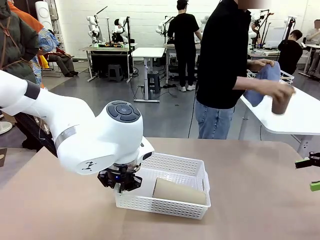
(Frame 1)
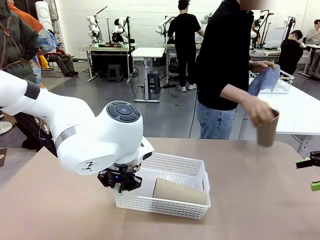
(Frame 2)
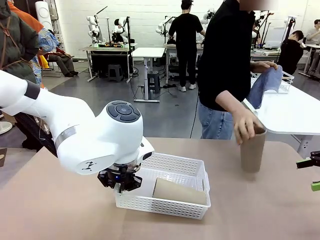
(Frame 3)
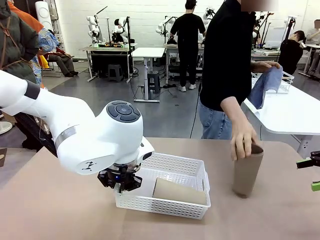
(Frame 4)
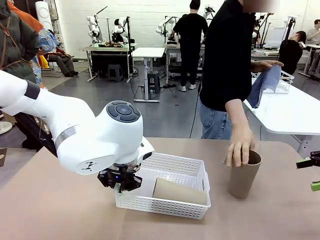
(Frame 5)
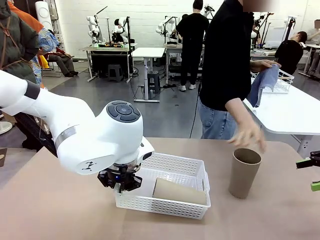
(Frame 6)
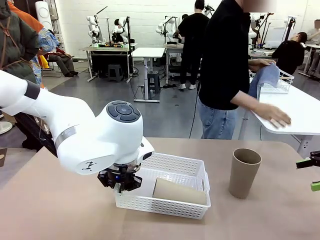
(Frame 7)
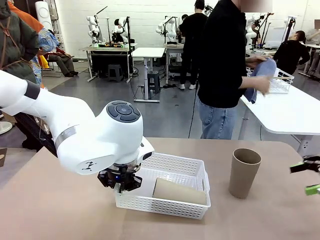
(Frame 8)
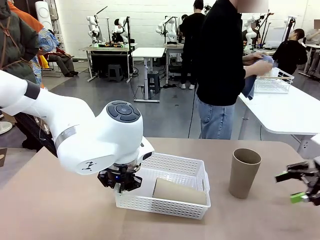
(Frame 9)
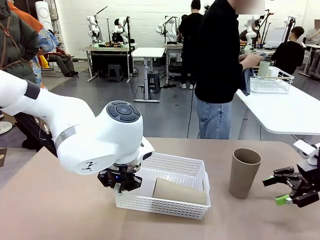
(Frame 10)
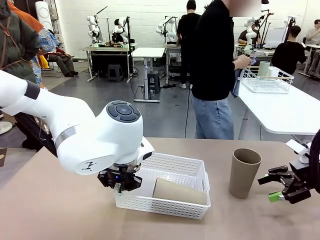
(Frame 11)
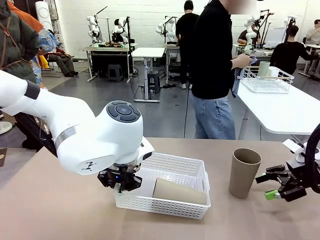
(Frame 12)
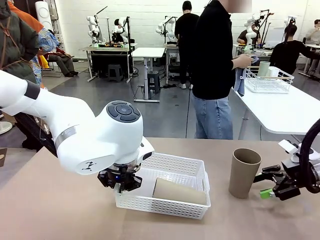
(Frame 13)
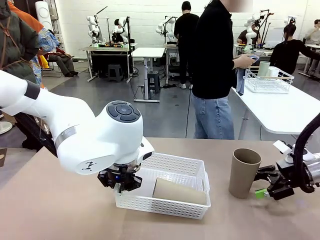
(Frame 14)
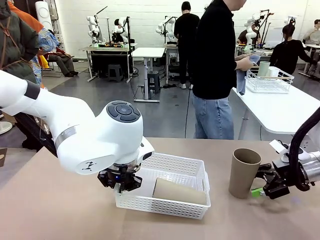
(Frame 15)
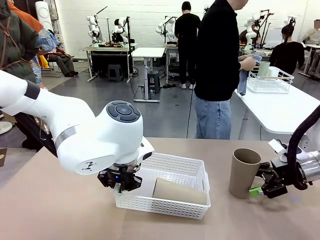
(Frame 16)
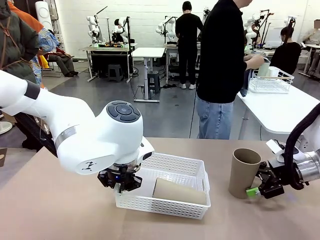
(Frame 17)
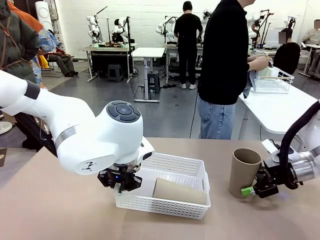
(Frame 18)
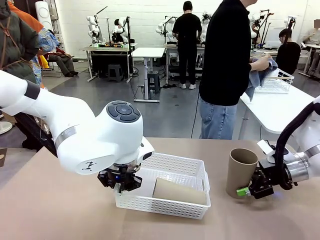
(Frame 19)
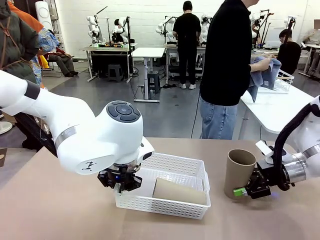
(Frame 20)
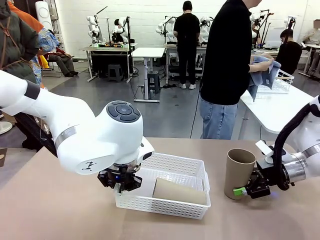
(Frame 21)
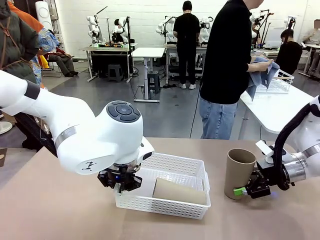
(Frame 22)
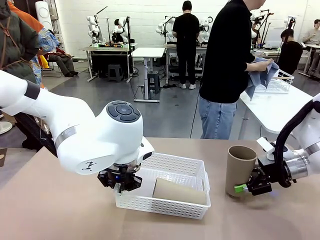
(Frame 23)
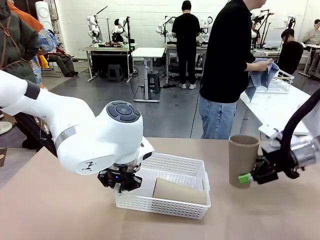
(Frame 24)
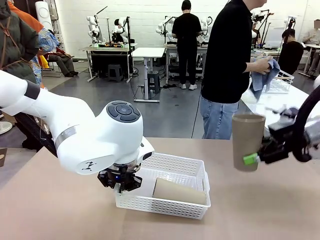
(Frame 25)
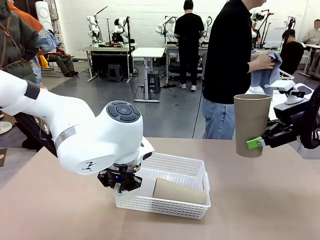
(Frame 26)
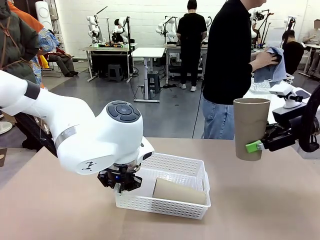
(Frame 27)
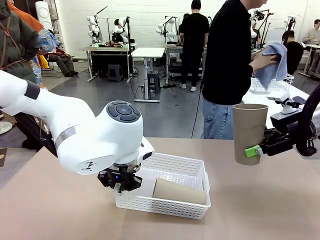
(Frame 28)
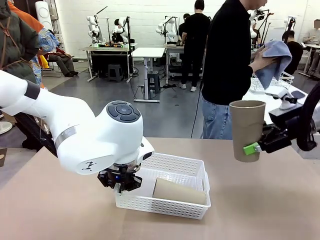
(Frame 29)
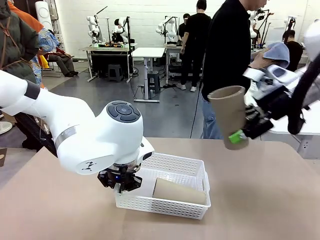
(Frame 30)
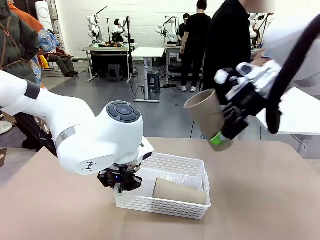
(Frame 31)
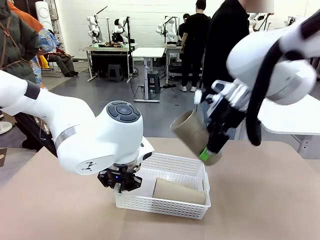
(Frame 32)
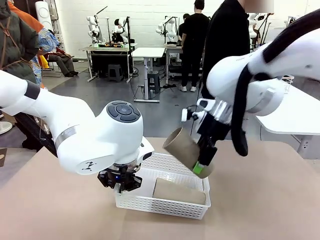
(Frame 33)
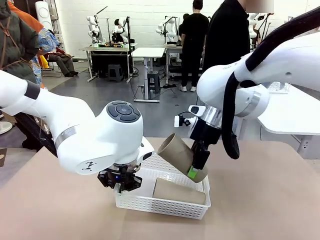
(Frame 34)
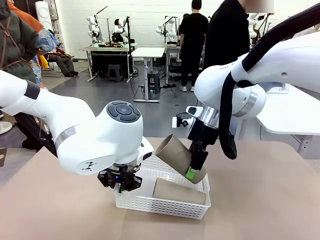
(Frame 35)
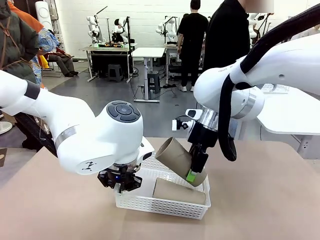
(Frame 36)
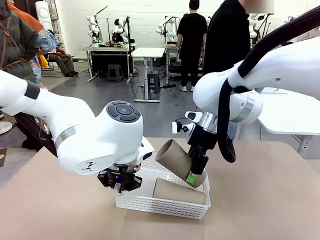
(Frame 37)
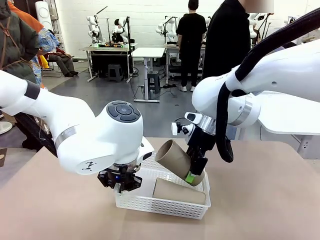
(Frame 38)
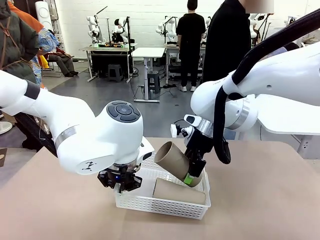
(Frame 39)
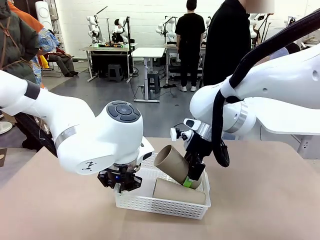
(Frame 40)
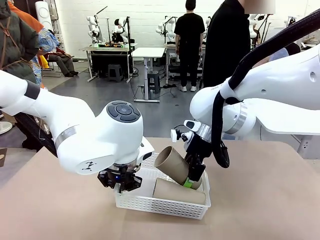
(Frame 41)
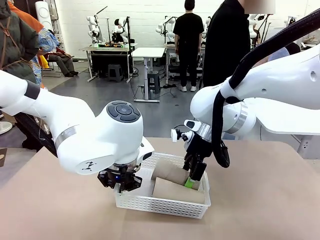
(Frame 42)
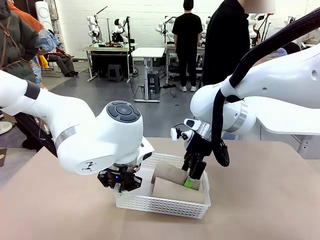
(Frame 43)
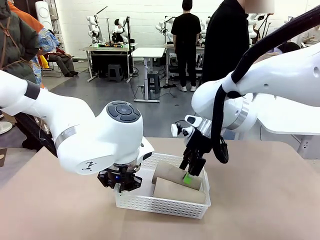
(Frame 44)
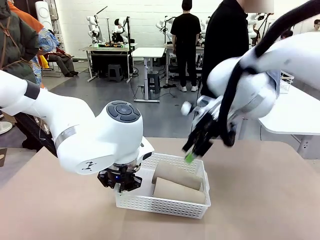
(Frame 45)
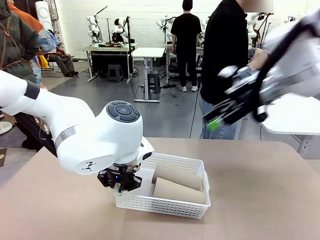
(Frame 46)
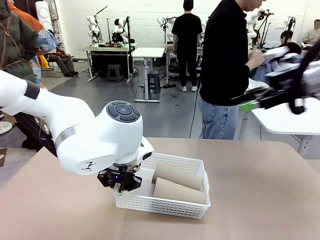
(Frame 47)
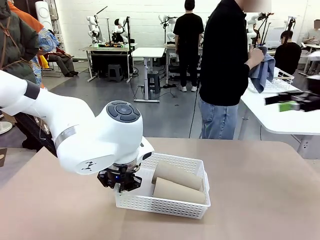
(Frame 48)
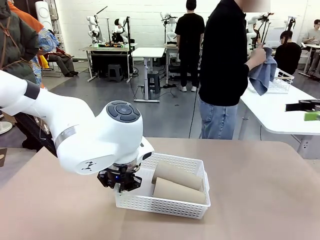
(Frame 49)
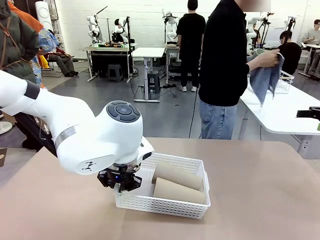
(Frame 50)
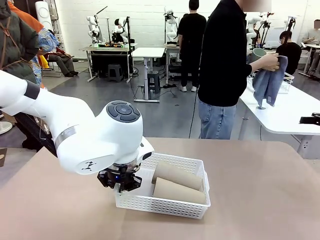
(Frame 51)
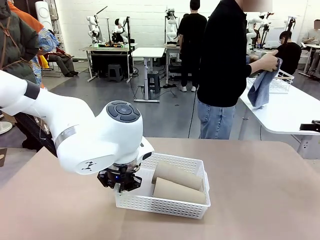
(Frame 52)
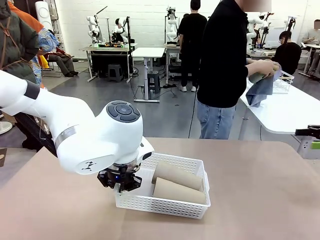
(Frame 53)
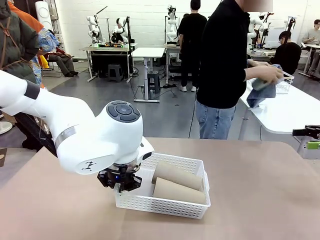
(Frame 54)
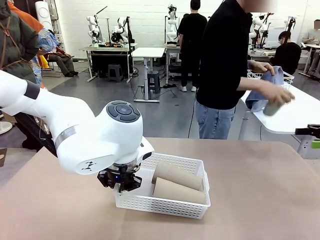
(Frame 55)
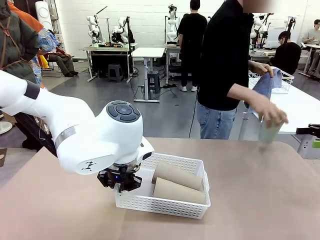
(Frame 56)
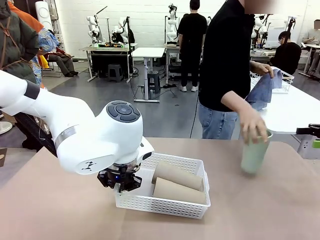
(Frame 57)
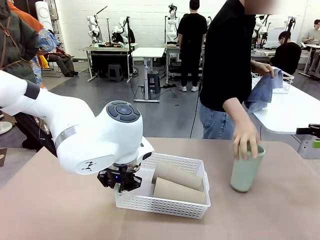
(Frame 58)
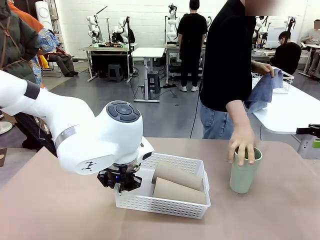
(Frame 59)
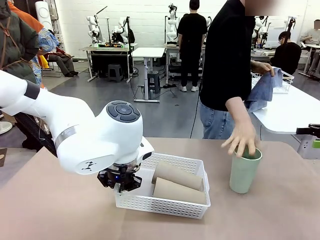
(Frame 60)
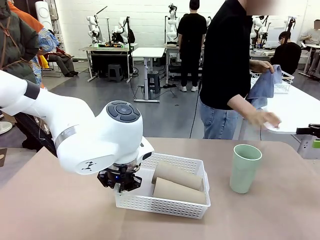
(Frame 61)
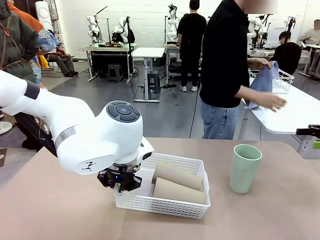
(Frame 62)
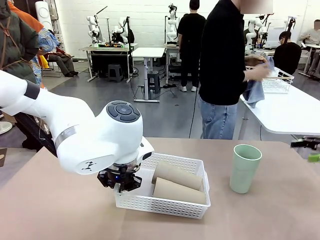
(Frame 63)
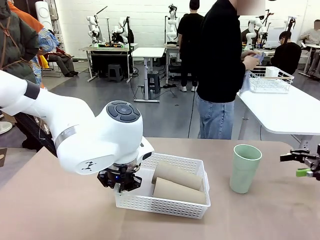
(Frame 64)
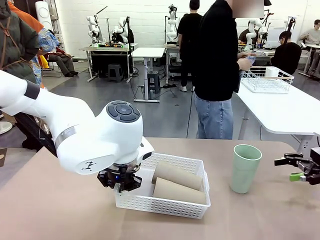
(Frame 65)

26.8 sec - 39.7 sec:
Task: Clean and organize the cups into the basket.
Robot: Pick up the Reusable plastic cup from the right side of the table and stack it inside the Organizing basket in the center of the table.

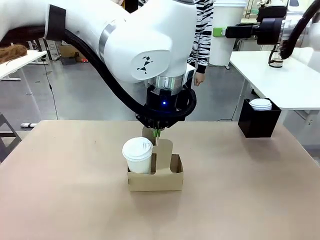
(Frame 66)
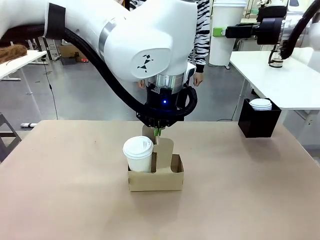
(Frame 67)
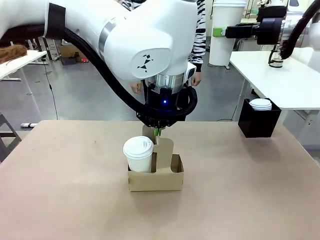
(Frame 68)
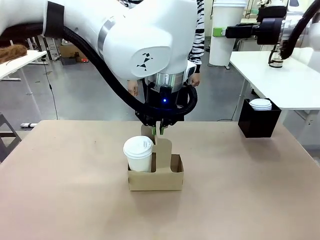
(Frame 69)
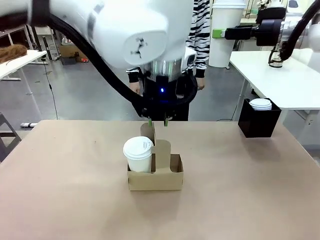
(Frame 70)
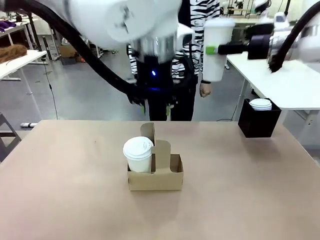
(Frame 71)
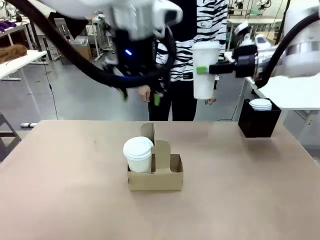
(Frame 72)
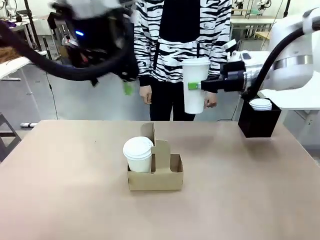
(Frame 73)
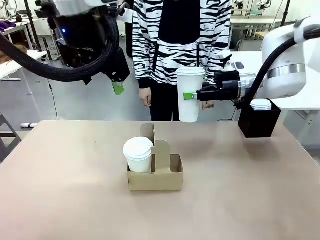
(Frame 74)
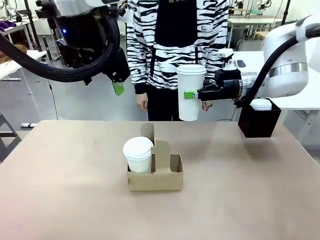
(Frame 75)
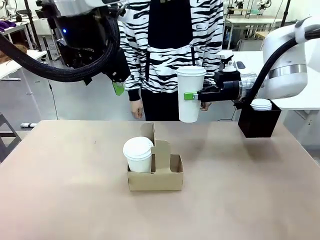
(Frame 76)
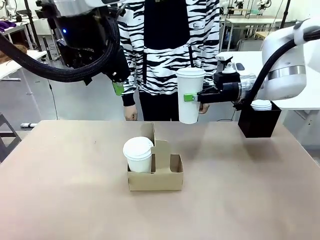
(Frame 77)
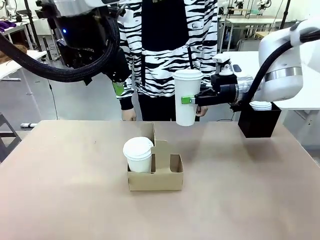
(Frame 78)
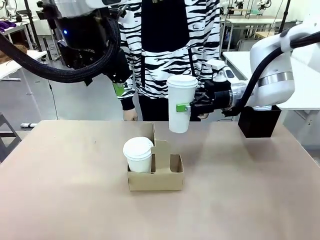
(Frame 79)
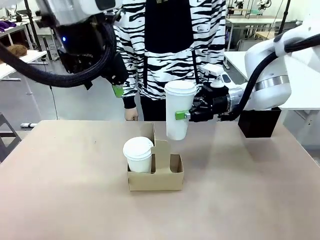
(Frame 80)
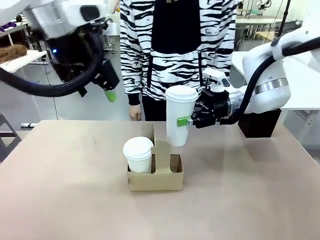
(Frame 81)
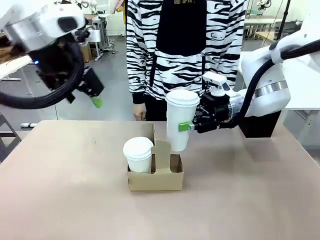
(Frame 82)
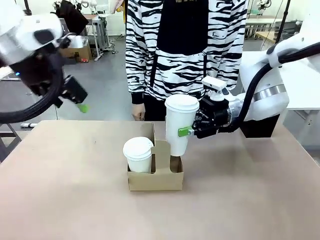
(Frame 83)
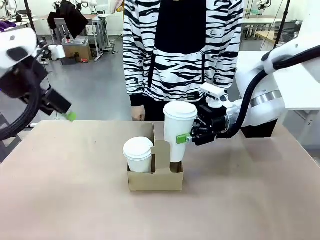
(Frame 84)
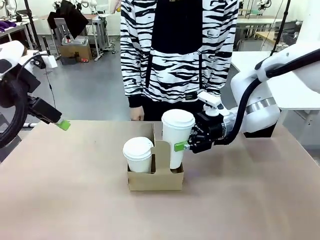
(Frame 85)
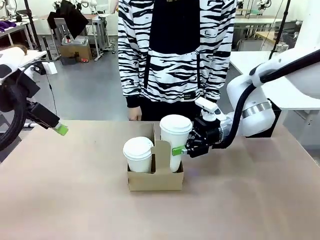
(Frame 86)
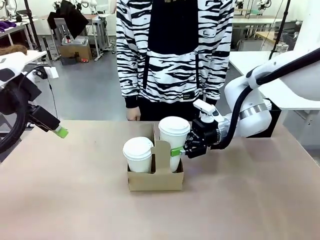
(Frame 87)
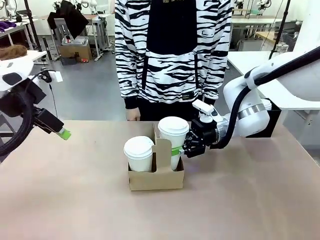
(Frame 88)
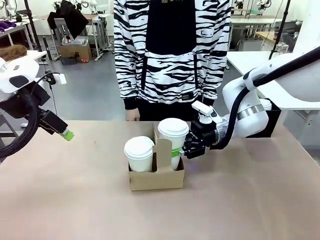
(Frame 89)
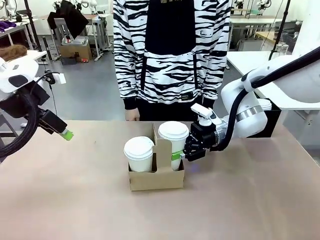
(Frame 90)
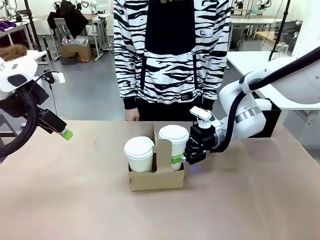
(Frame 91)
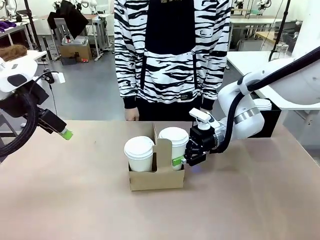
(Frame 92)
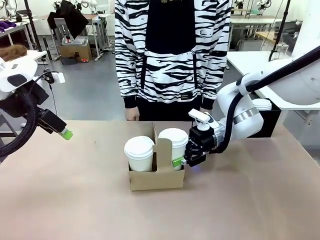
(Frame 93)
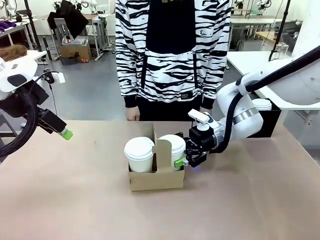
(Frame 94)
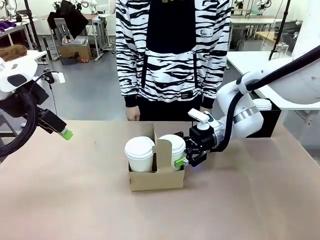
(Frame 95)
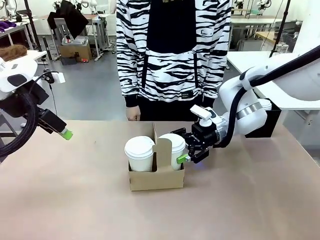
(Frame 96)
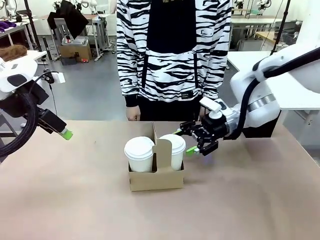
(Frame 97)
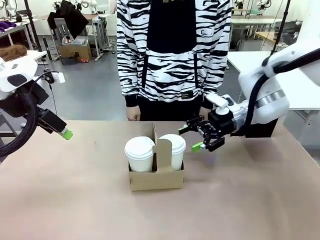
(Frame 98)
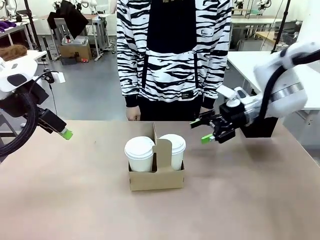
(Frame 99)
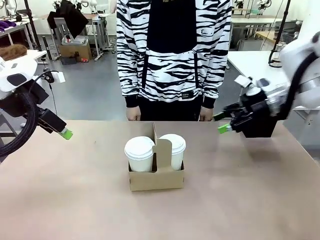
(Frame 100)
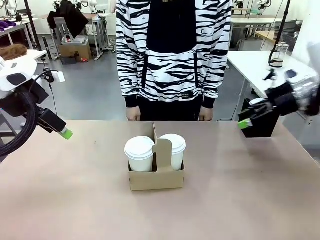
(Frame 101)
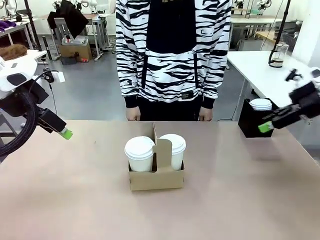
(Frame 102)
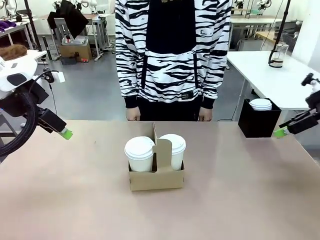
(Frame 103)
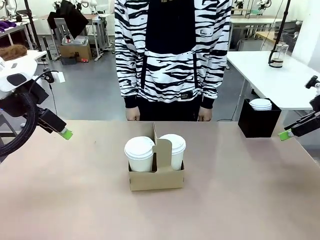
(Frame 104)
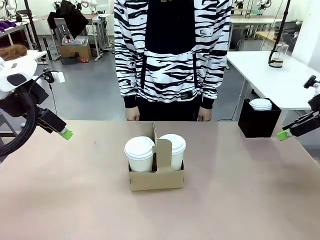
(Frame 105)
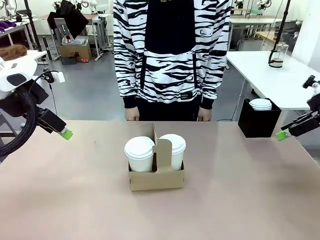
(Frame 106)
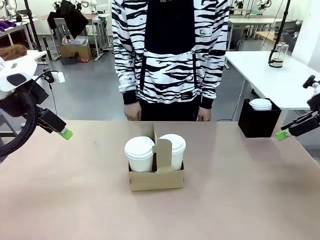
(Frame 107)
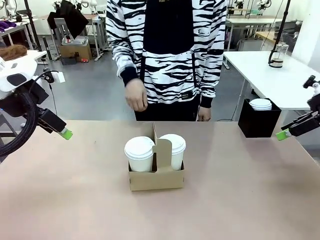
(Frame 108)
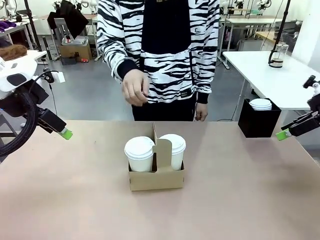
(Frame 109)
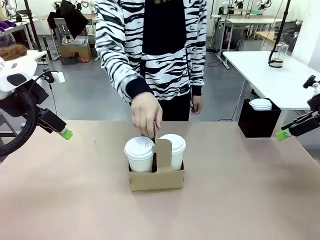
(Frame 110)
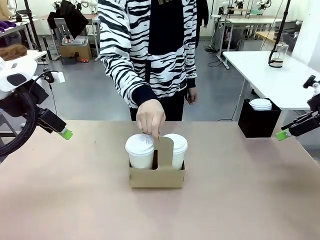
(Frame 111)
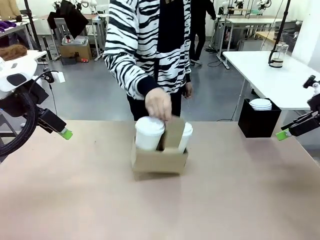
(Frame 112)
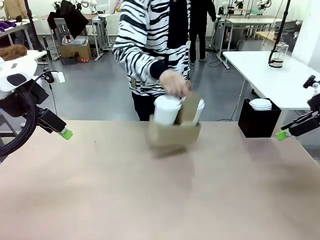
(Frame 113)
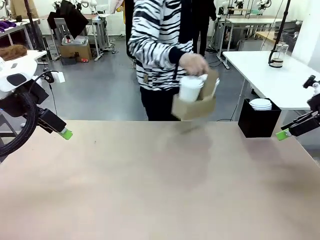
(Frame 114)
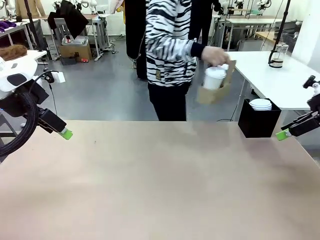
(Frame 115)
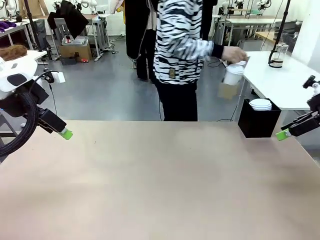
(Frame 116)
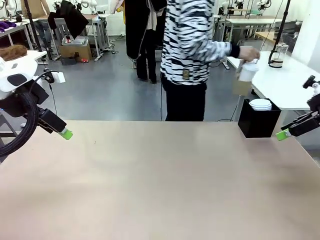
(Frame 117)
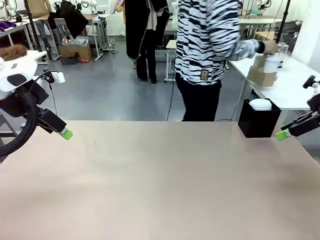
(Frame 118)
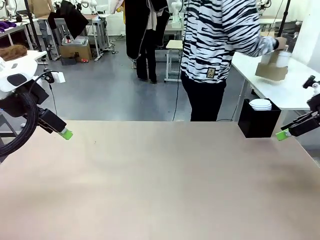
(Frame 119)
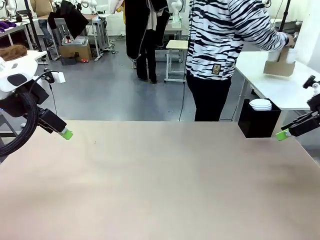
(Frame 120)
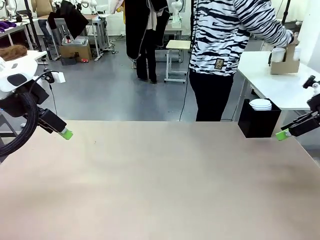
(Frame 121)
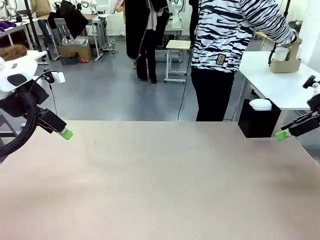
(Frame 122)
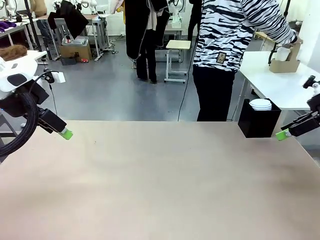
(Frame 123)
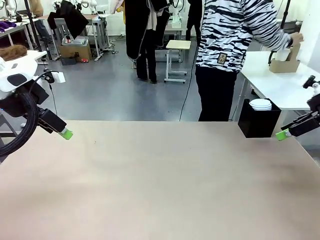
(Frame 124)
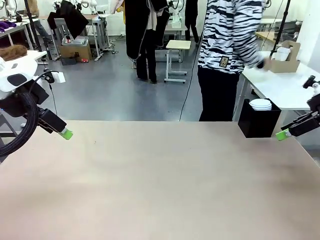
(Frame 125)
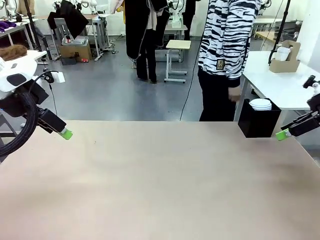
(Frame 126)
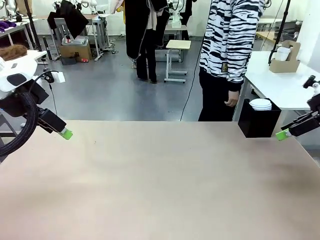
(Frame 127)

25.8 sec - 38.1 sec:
Task: Pour a drink into a cup and package it in a carrier.
Robot: Insert the held 600 ml Paper Cup into the Cup Carrier.
Person: Place the Cup Carrier to the middle of Human table.
